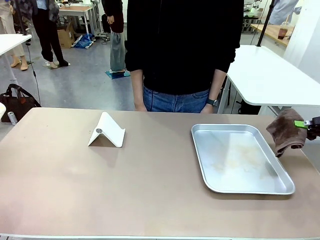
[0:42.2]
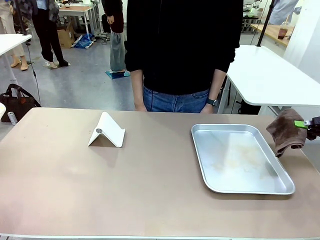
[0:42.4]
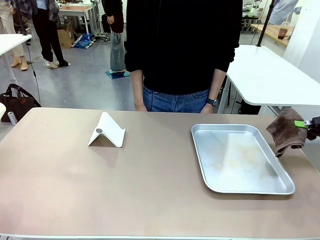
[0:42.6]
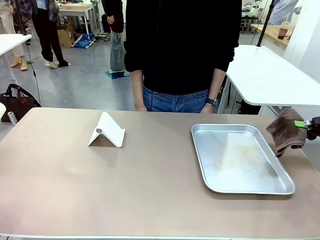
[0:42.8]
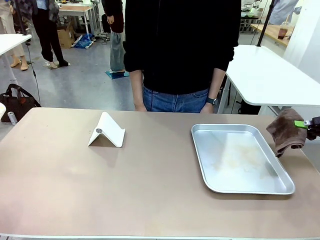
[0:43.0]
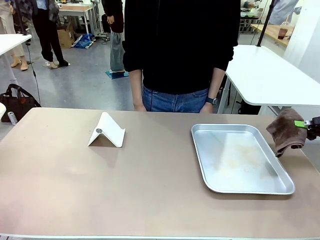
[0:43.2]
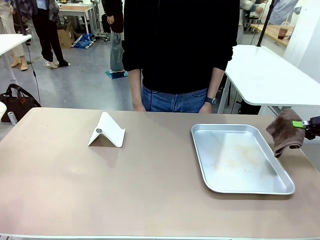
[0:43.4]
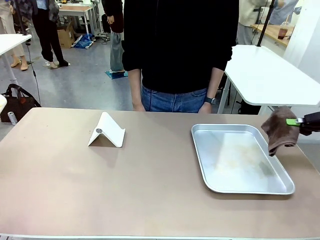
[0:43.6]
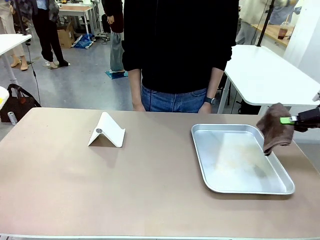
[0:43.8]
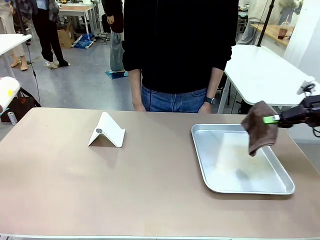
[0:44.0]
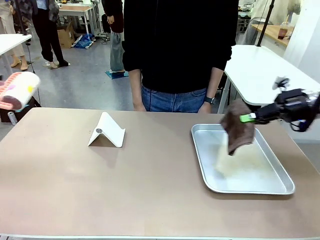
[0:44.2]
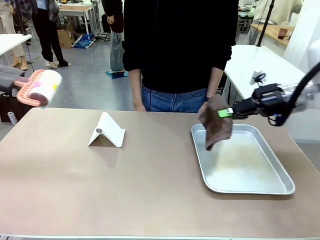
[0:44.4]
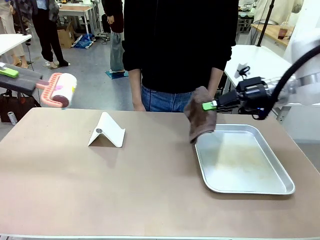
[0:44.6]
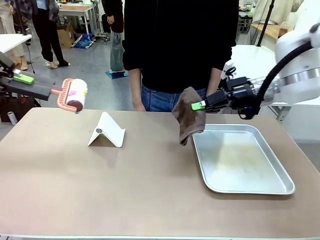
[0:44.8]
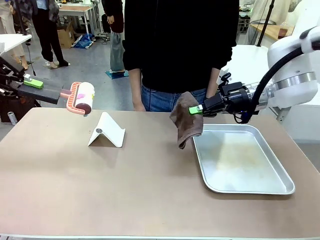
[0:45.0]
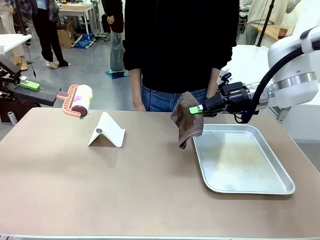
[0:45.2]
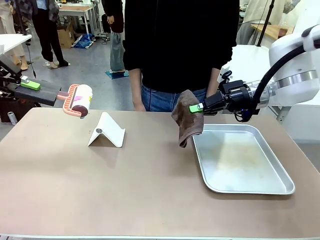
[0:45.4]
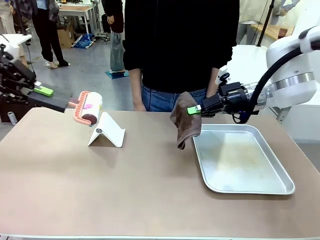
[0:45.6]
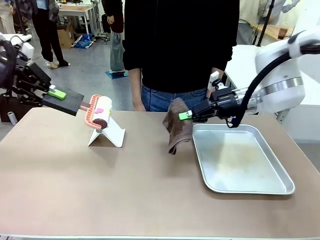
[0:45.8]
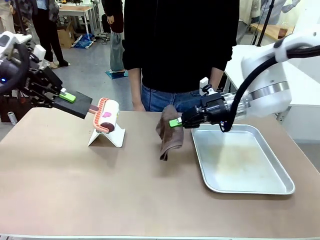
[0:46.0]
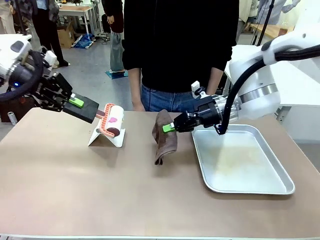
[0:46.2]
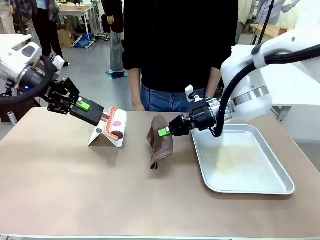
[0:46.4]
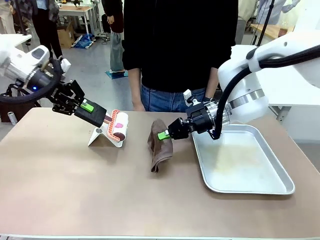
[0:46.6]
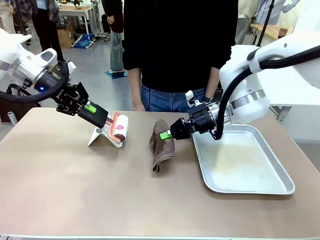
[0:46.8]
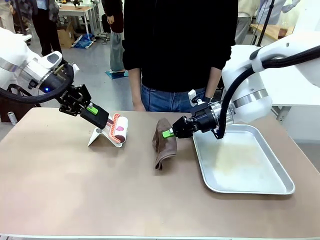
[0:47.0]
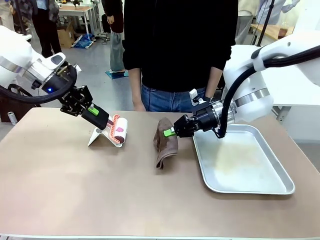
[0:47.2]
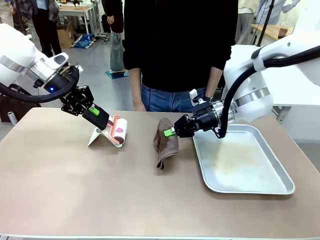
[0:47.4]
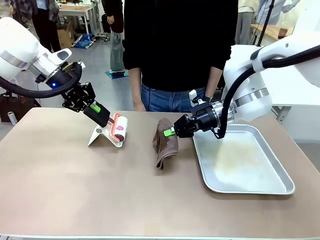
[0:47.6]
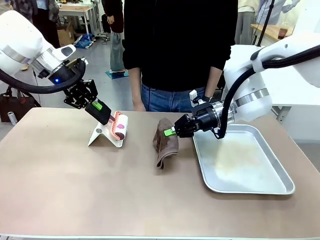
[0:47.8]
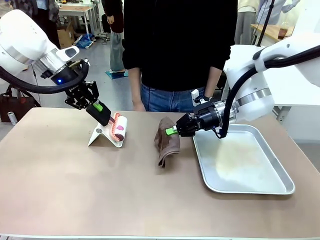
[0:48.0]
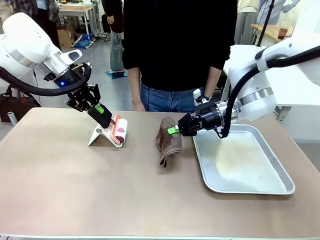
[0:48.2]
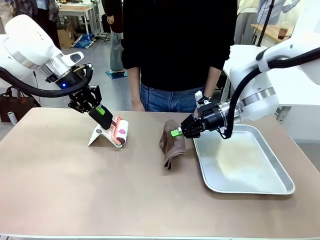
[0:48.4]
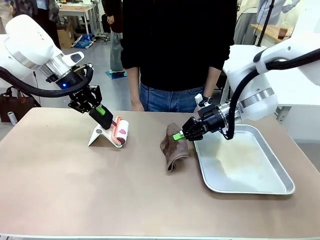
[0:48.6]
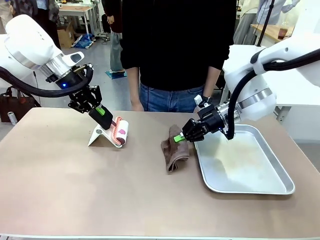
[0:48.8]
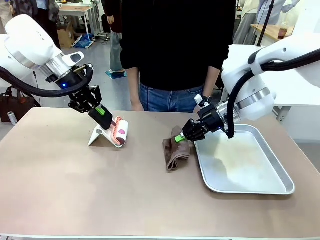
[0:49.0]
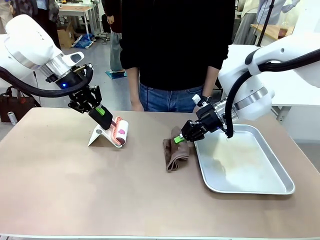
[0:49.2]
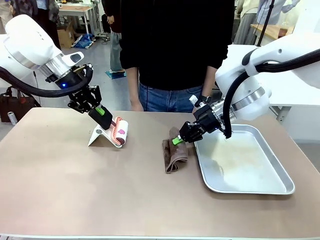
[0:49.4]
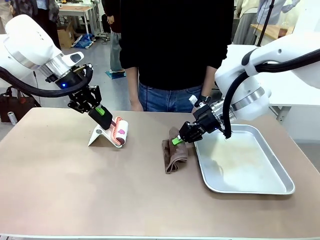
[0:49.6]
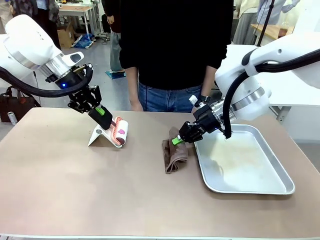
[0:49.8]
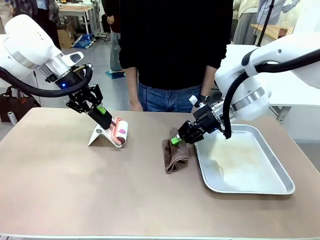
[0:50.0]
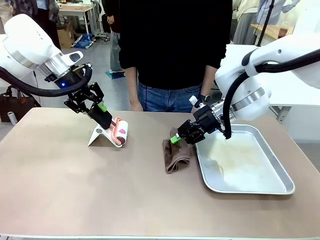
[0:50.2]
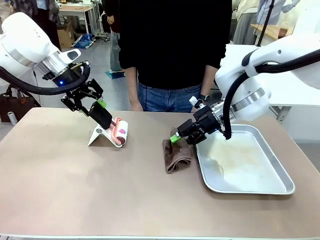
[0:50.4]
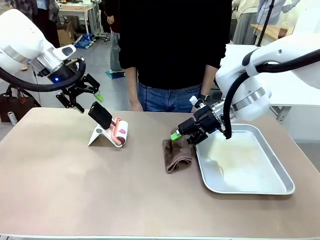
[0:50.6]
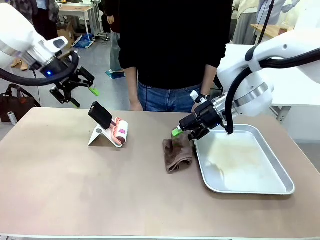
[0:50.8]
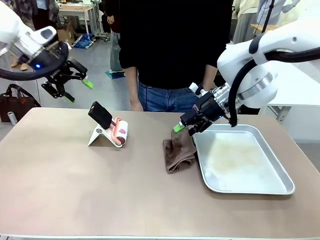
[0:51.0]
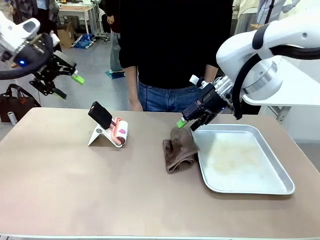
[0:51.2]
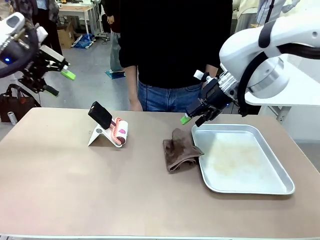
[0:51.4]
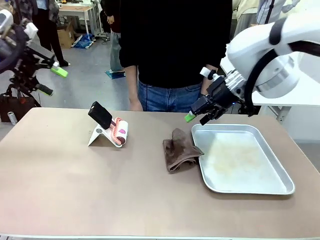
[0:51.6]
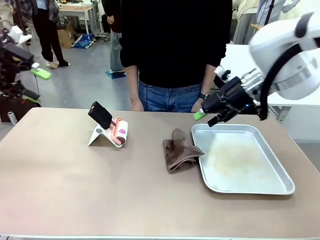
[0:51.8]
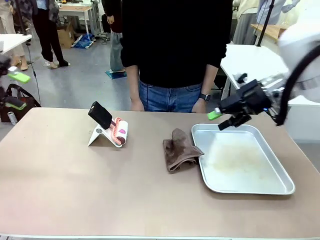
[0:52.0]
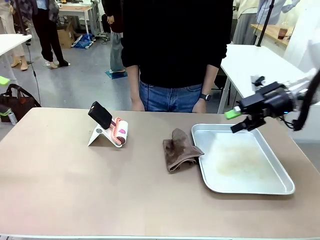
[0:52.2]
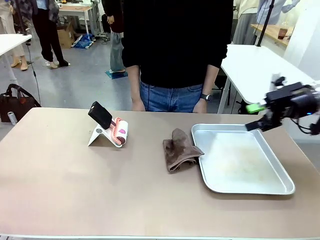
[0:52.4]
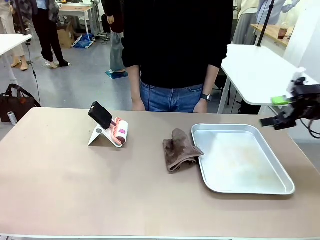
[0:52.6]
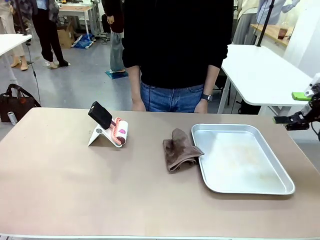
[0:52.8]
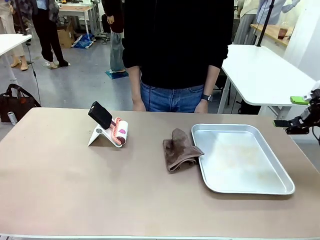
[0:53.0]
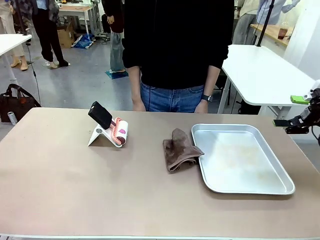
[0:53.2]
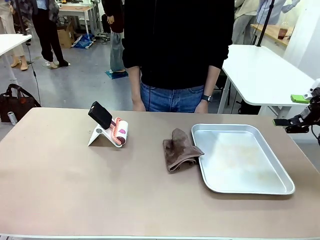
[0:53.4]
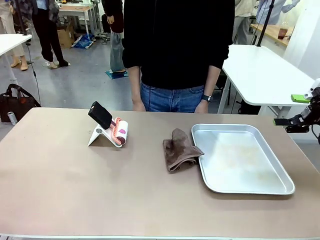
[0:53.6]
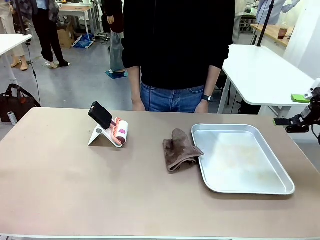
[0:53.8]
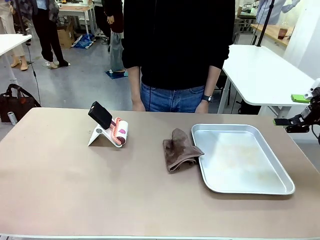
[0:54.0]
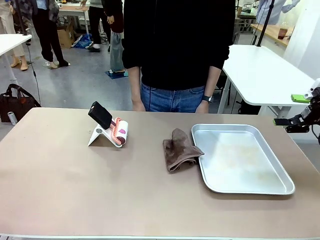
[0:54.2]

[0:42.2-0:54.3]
Task: Clean the surface of the table.
Robot: Return the Lint Roller and towel to their original positions.

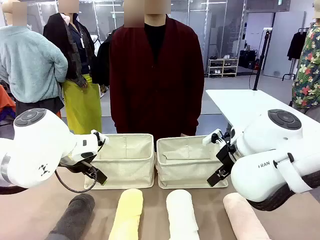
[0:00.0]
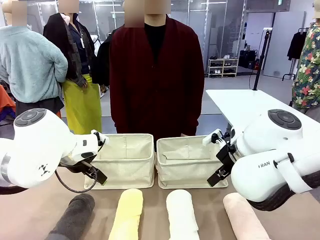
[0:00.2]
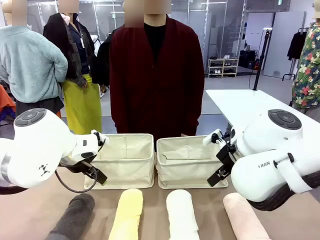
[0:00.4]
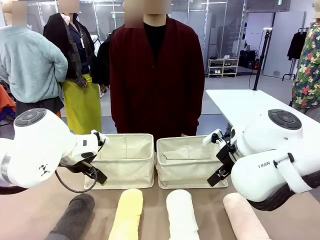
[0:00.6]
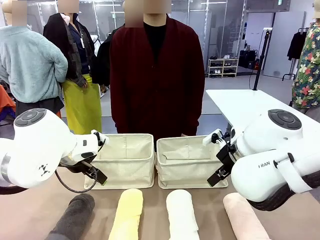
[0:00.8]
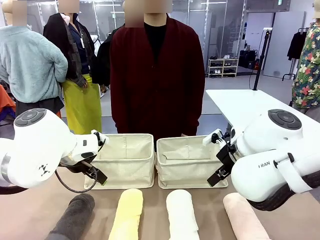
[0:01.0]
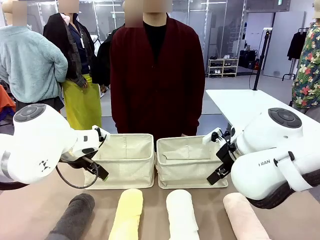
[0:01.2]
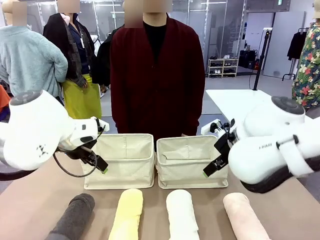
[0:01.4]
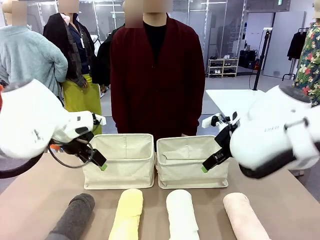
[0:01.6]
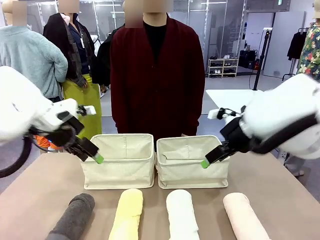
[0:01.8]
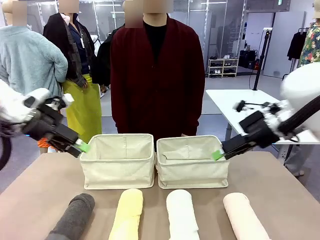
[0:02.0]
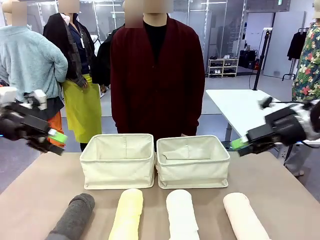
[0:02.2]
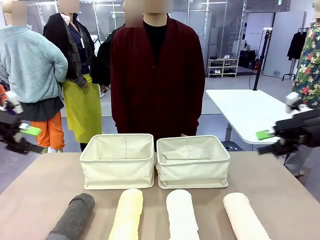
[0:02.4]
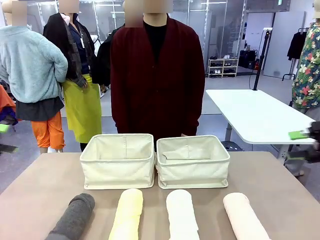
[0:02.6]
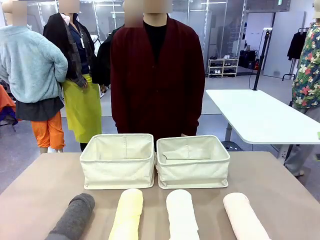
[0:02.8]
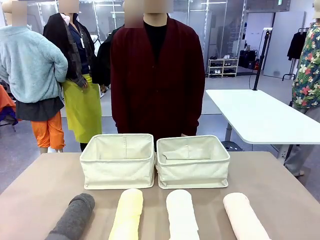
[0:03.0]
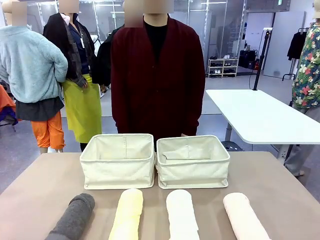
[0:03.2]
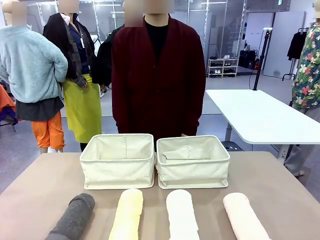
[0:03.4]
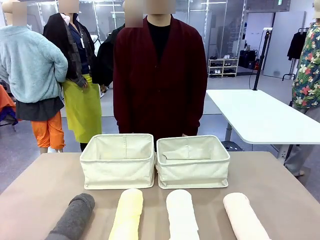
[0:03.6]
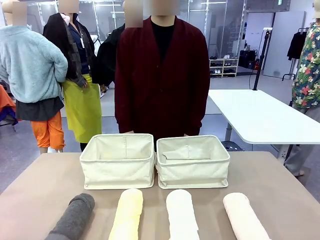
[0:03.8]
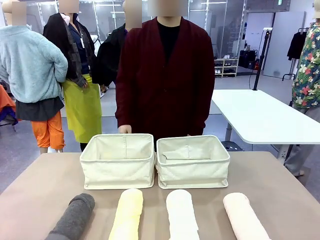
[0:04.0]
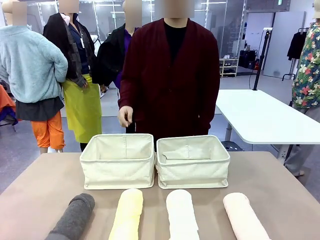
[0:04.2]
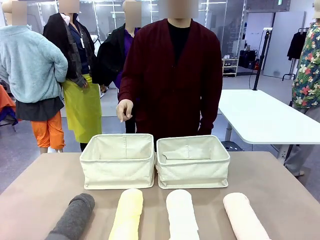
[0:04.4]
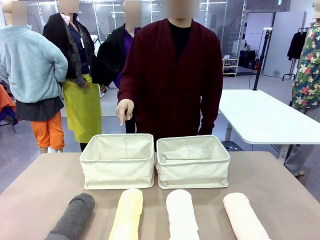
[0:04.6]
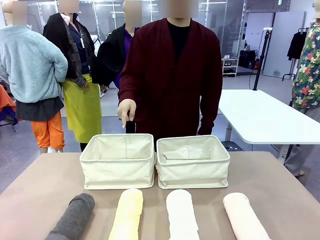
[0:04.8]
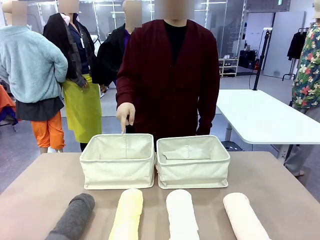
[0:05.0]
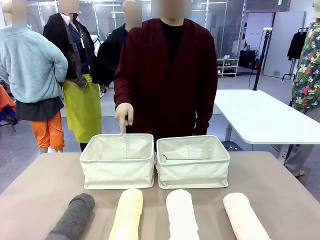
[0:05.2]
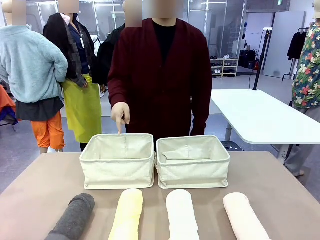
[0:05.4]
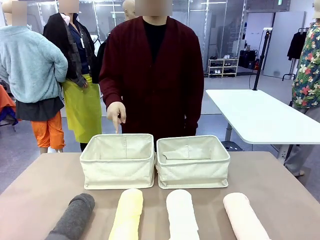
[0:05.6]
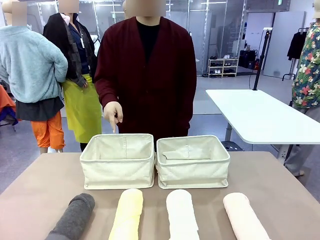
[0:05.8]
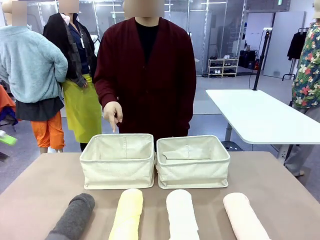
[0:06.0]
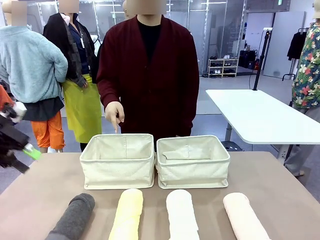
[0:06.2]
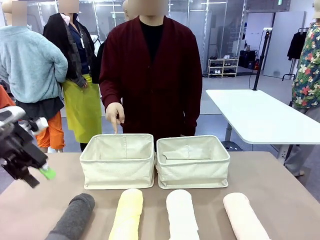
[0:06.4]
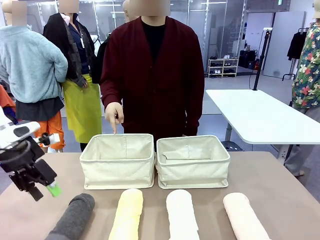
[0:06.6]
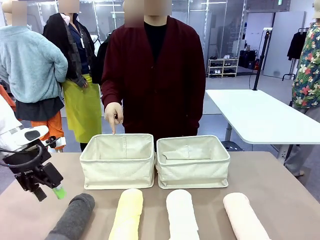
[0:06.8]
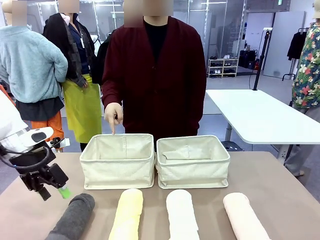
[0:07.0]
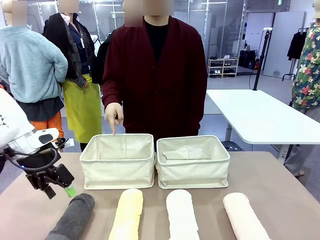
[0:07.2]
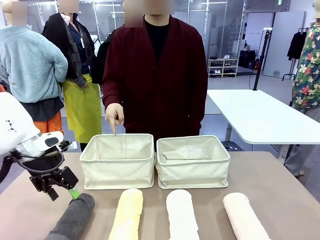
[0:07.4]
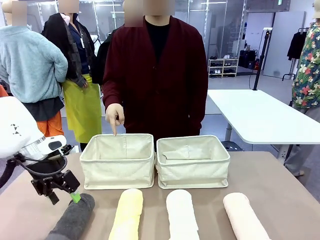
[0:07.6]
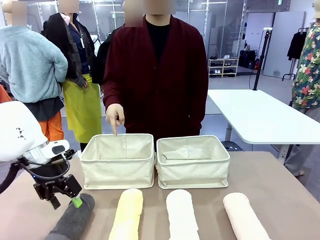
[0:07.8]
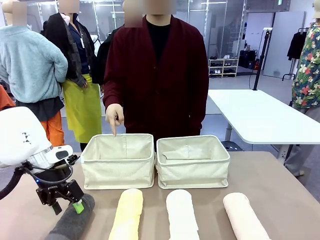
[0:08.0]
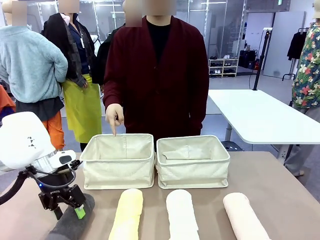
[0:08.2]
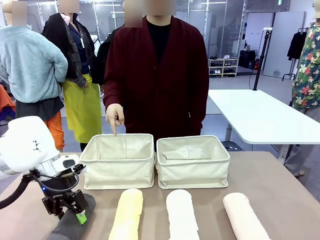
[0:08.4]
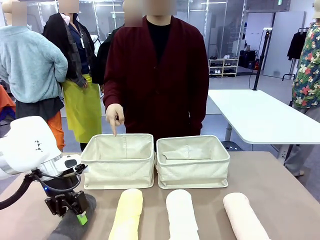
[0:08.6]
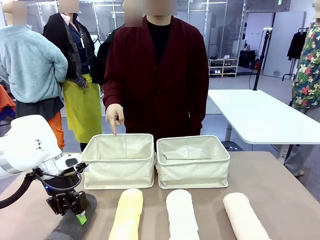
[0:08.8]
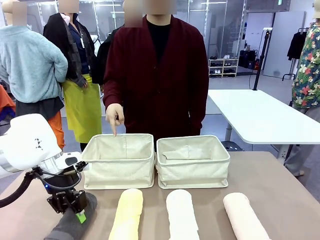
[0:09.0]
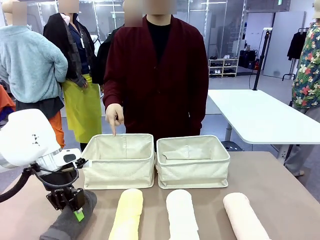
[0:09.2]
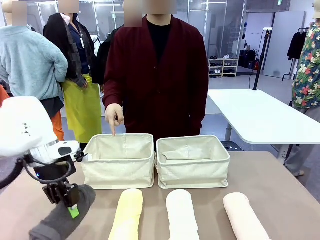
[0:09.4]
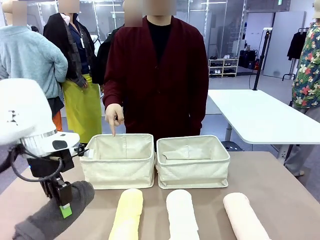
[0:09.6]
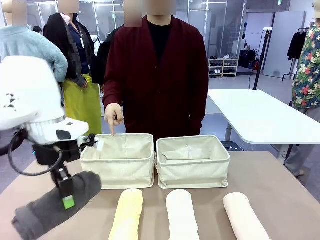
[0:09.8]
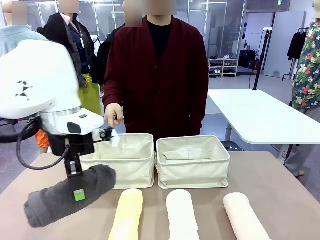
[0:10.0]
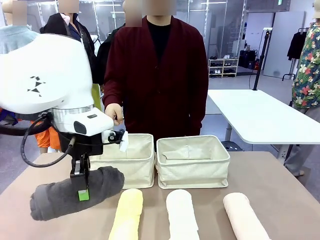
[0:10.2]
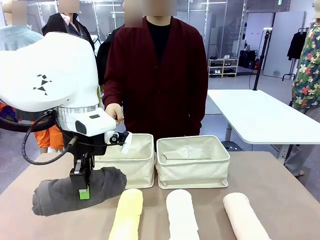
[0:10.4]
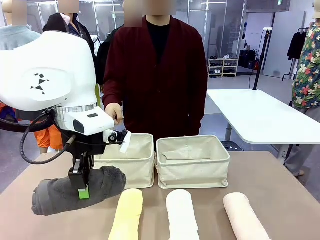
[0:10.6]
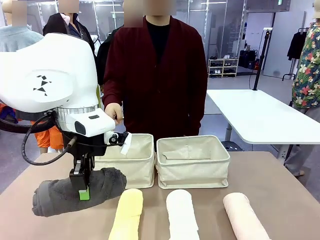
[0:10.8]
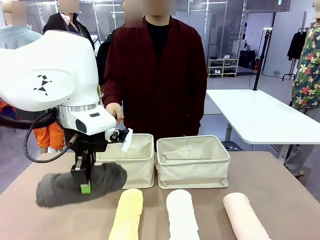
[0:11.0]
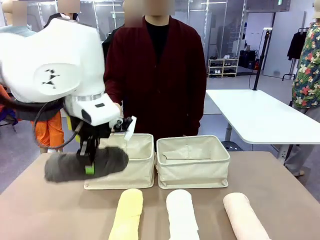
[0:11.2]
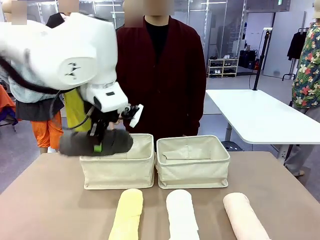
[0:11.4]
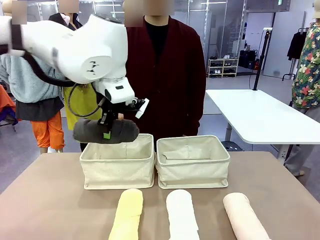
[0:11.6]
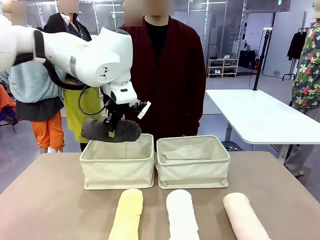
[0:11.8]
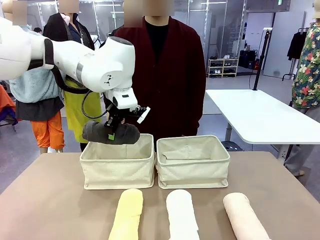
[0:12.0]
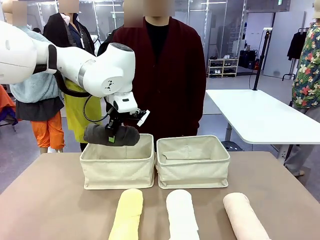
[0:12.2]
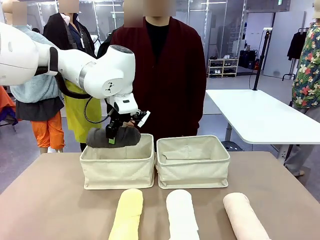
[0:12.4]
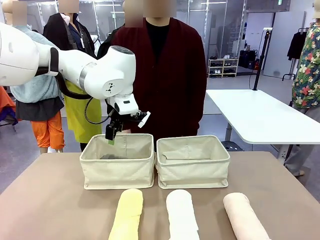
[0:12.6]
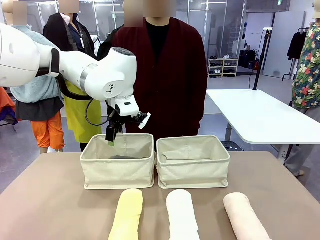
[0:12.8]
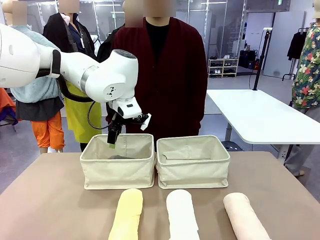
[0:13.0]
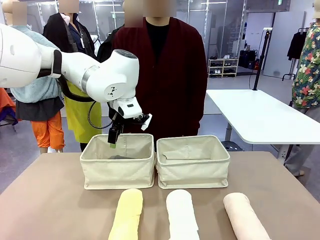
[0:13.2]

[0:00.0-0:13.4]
Task: Divide the towels into two baskets.
Robot: Pick up one hotel-folded towel and place it in the Fabric basket indicated by the person.
